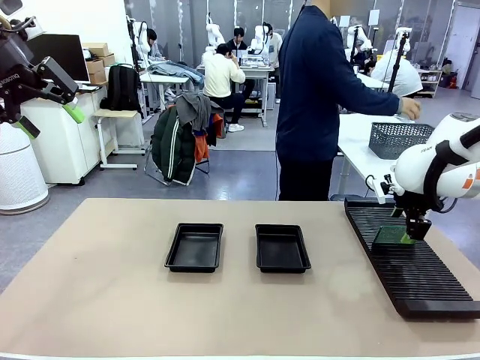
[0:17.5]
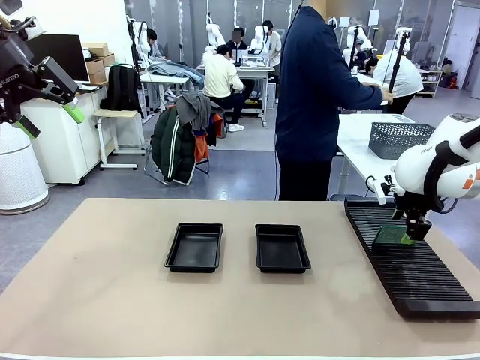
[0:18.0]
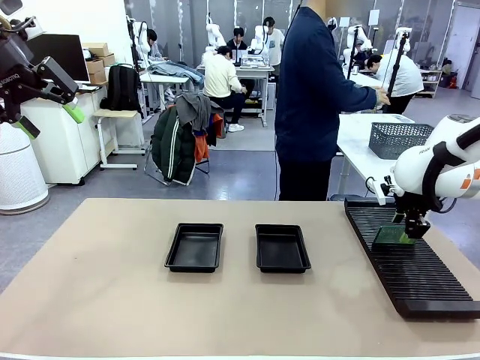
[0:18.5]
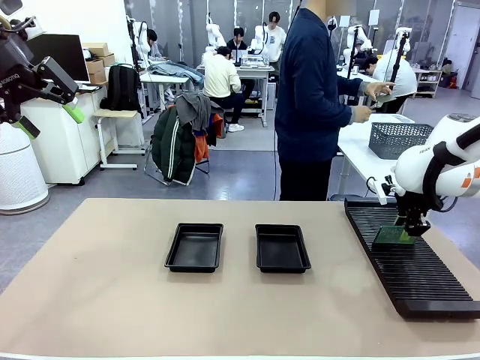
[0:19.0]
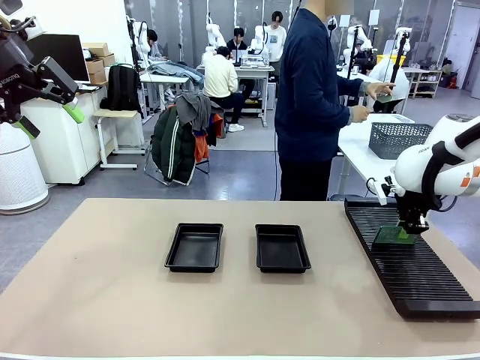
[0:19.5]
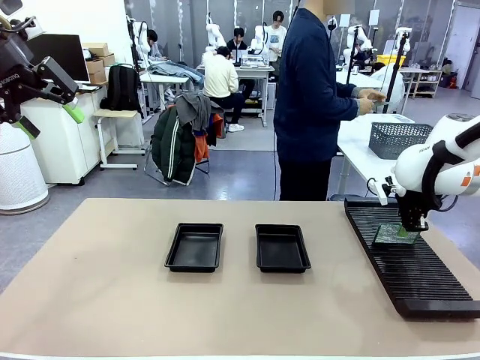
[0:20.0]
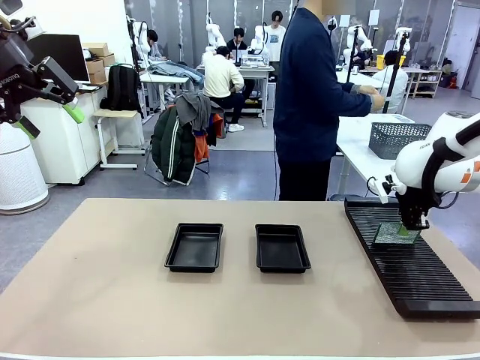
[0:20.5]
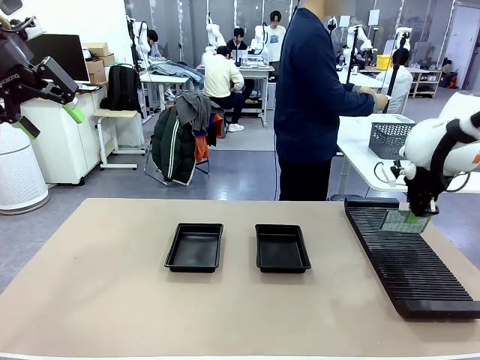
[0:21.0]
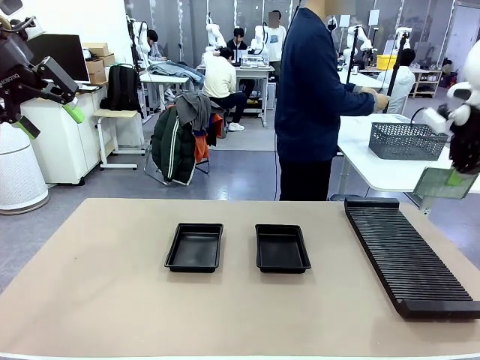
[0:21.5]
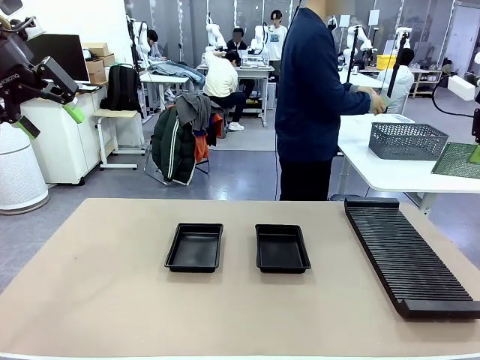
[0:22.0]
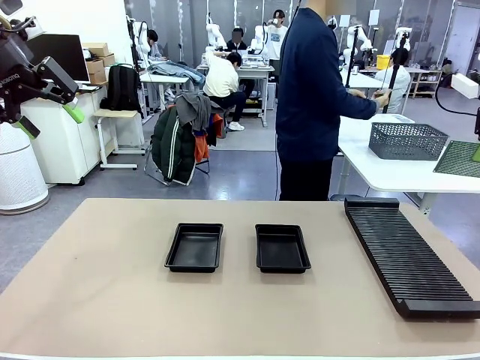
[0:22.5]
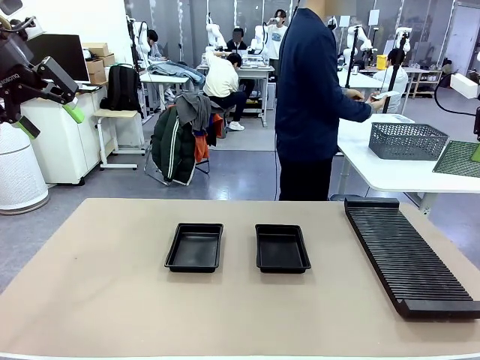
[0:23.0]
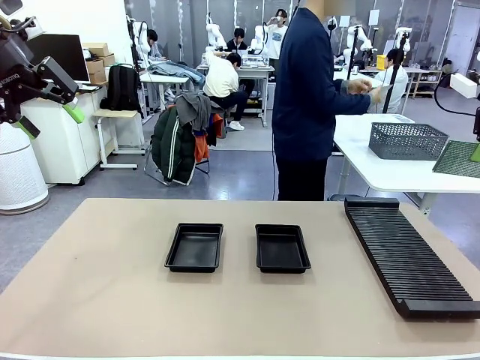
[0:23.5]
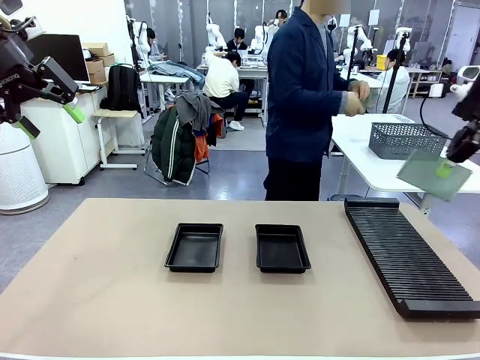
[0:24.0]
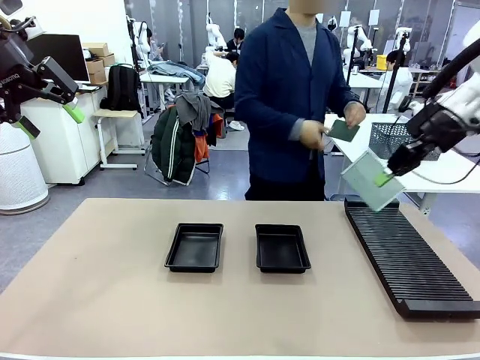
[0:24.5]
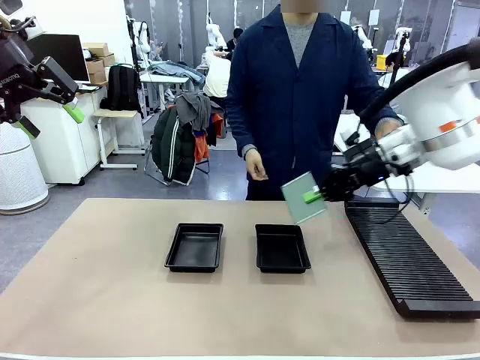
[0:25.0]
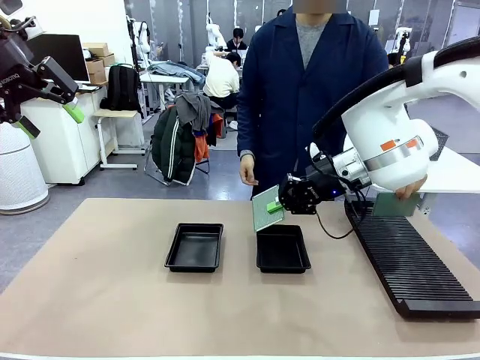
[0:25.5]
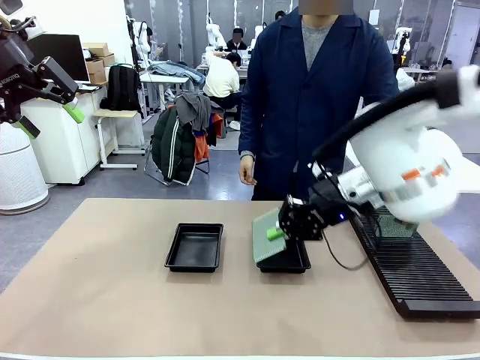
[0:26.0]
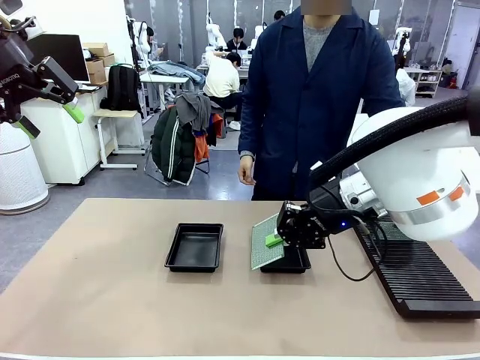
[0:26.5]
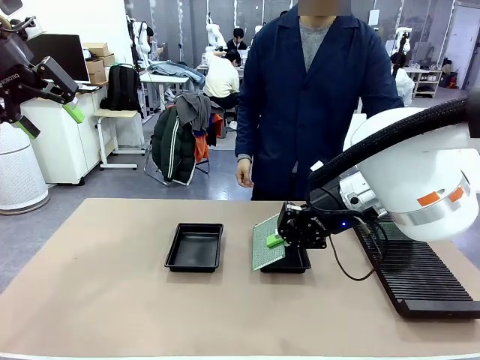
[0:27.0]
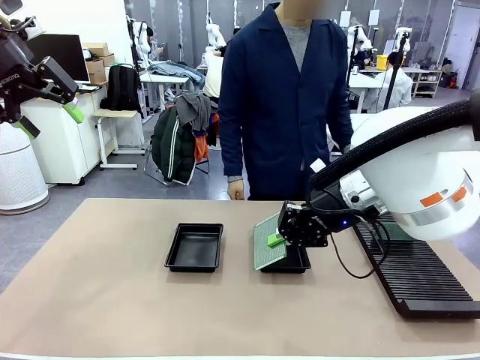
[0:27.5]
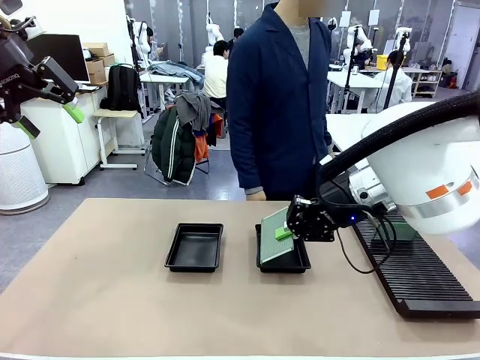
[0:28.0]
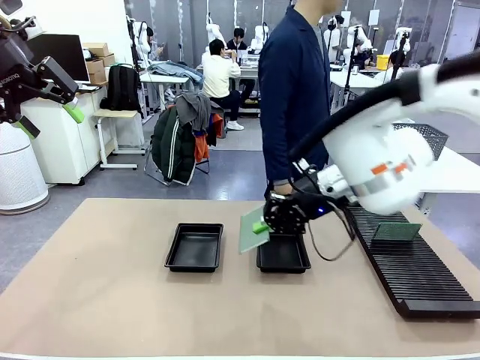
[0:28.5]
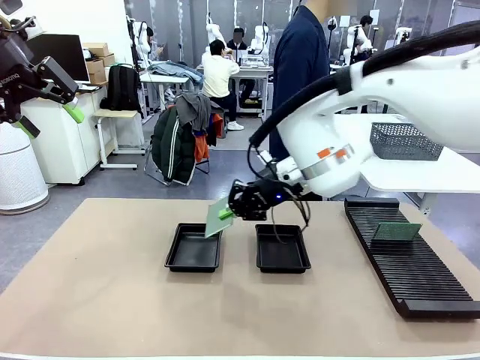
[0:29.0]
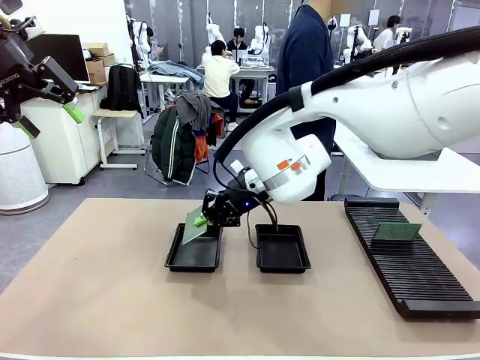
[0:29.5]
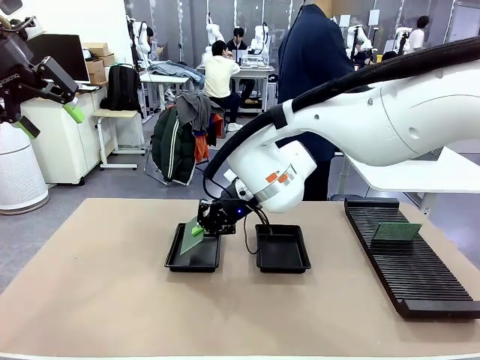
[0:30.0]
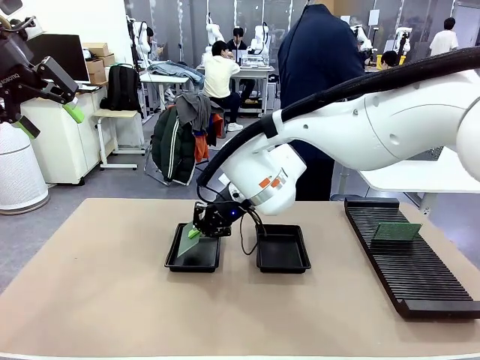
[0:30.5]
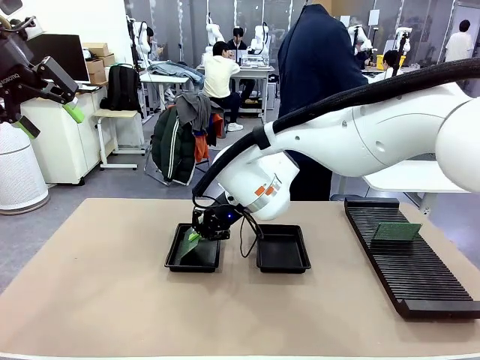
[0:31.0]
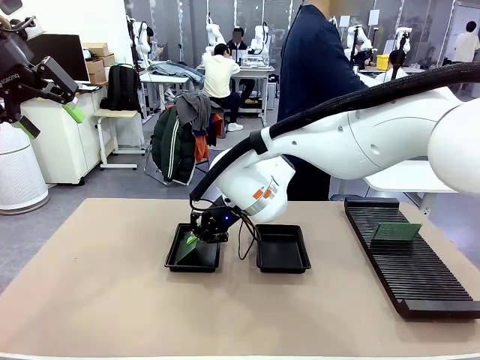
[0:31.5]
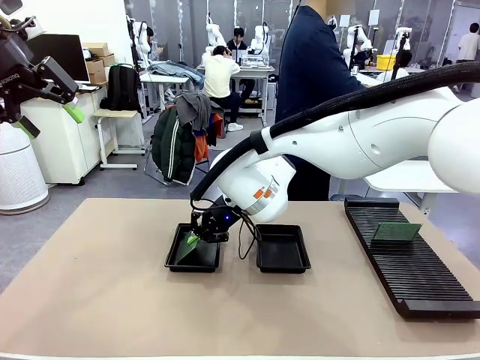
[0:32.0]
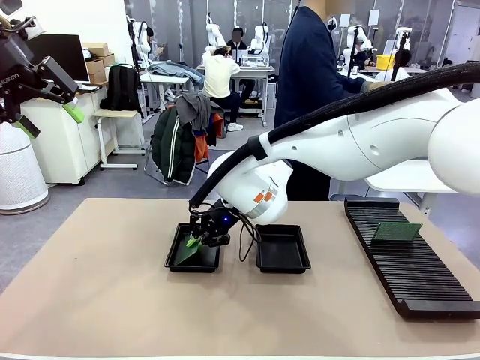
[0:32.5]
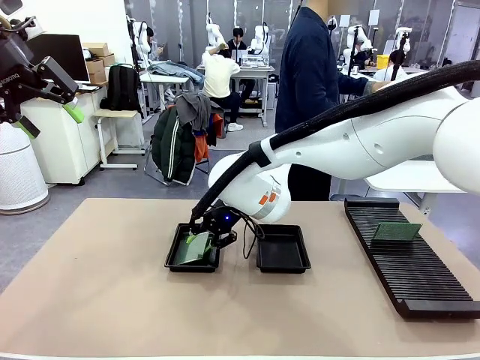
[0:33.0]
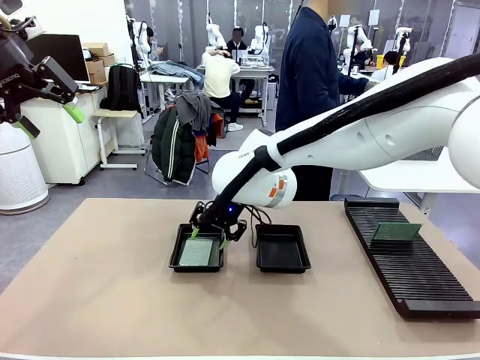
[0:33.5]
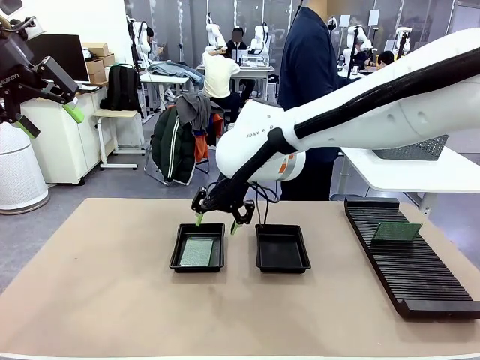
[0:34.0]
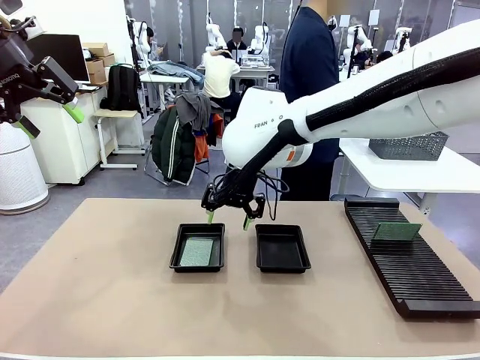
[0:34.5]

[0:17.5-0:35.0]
Task: Inspect and transfer BCBs to ESD trays.
Robot: Pick up the Blank PCB from the PCB Rack and place it in the left ESD tray.
